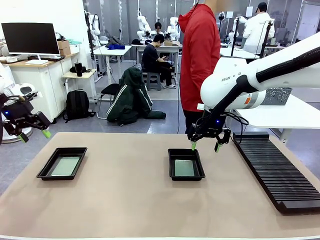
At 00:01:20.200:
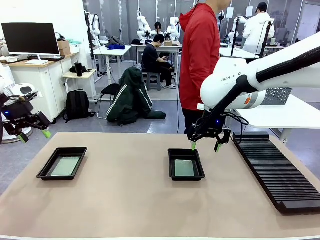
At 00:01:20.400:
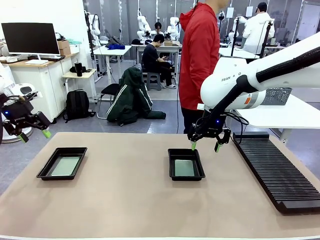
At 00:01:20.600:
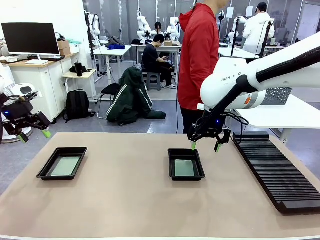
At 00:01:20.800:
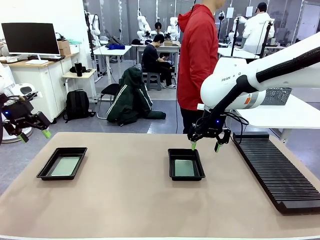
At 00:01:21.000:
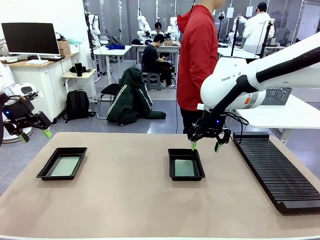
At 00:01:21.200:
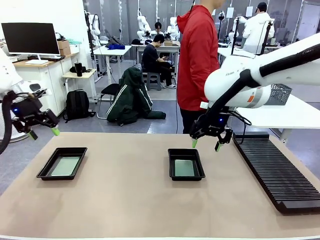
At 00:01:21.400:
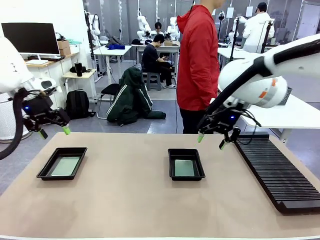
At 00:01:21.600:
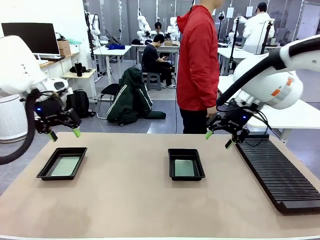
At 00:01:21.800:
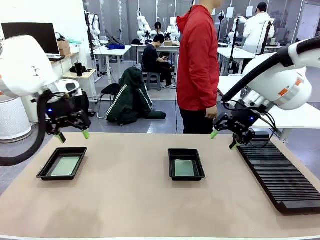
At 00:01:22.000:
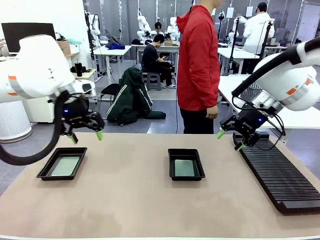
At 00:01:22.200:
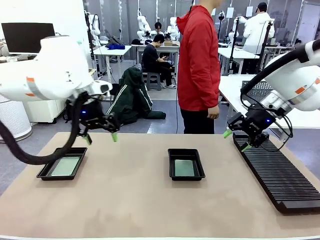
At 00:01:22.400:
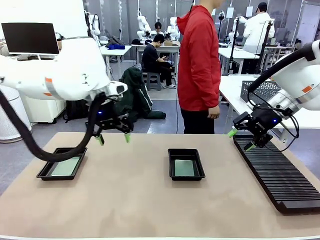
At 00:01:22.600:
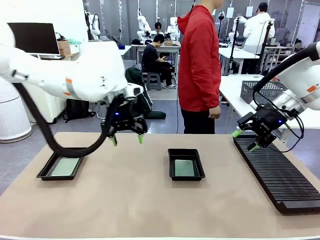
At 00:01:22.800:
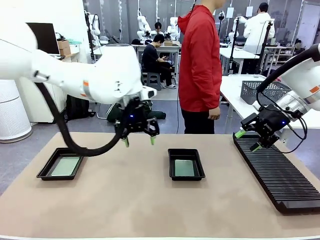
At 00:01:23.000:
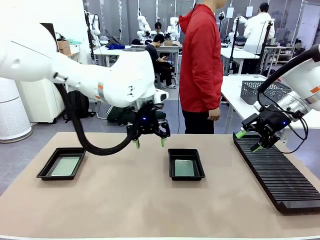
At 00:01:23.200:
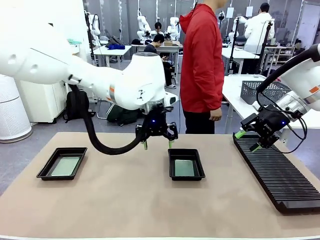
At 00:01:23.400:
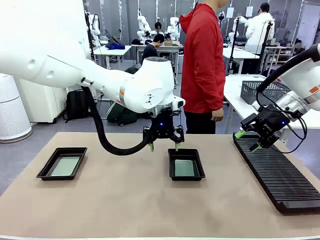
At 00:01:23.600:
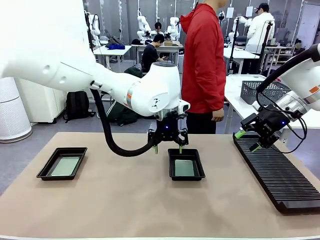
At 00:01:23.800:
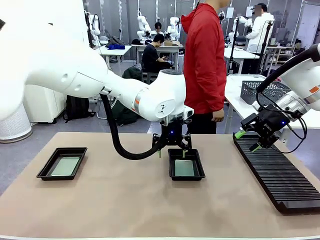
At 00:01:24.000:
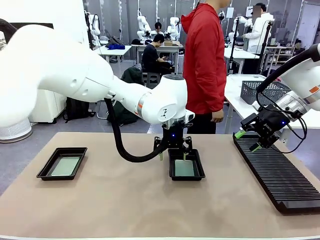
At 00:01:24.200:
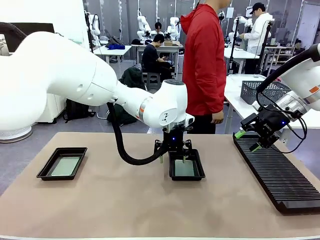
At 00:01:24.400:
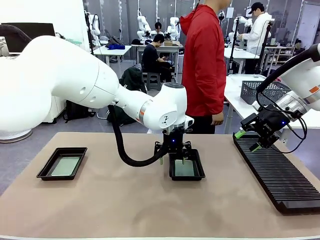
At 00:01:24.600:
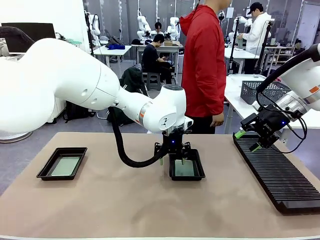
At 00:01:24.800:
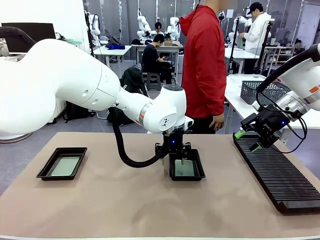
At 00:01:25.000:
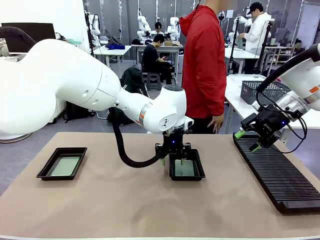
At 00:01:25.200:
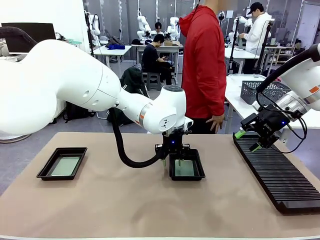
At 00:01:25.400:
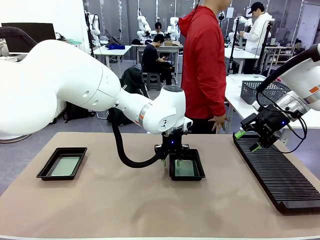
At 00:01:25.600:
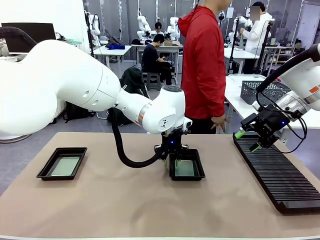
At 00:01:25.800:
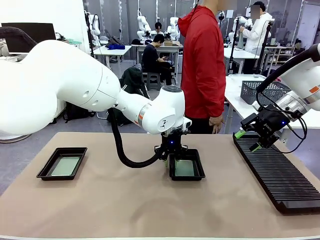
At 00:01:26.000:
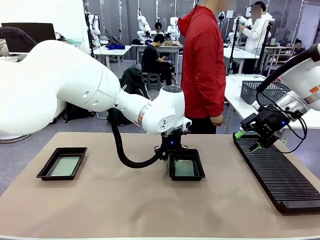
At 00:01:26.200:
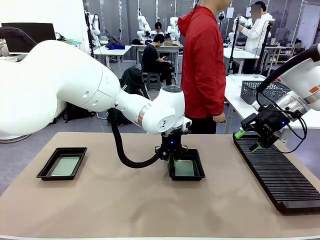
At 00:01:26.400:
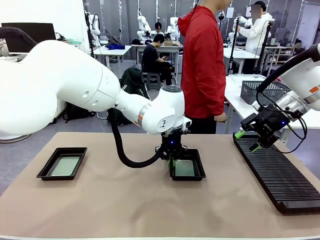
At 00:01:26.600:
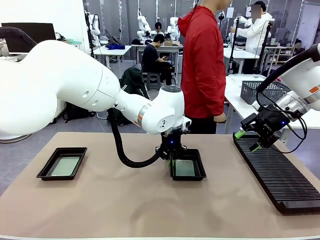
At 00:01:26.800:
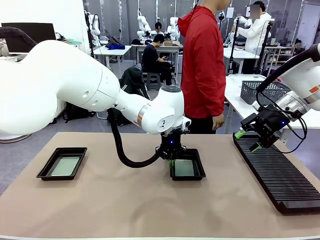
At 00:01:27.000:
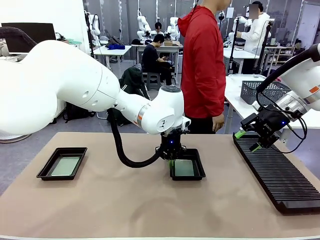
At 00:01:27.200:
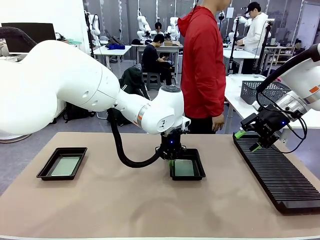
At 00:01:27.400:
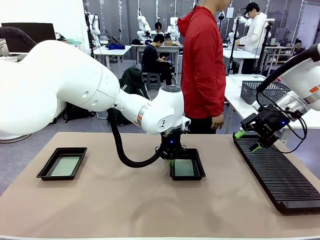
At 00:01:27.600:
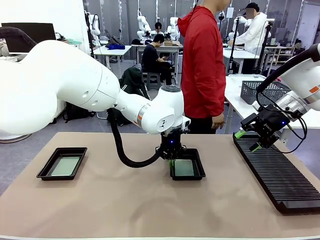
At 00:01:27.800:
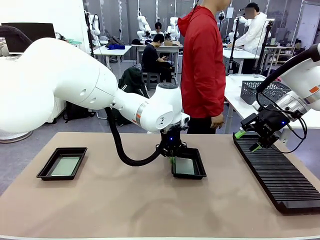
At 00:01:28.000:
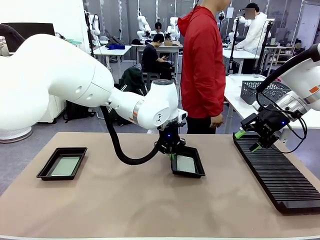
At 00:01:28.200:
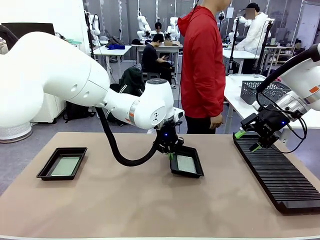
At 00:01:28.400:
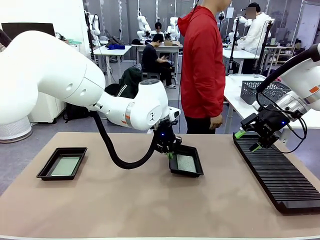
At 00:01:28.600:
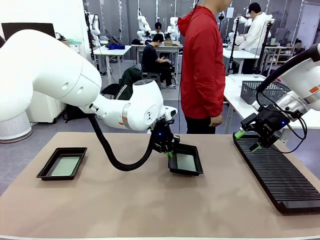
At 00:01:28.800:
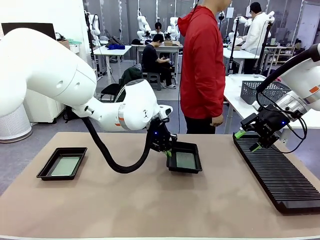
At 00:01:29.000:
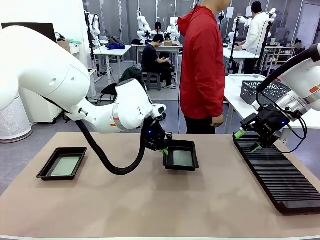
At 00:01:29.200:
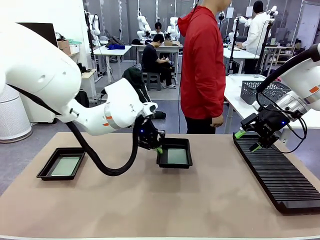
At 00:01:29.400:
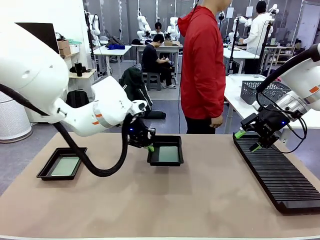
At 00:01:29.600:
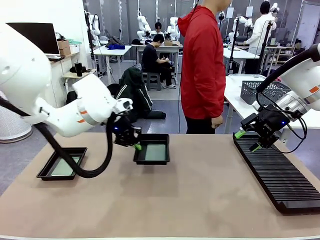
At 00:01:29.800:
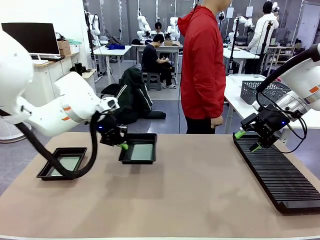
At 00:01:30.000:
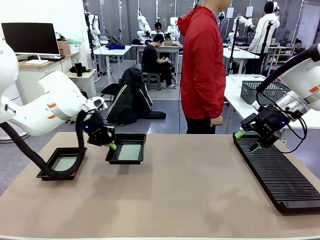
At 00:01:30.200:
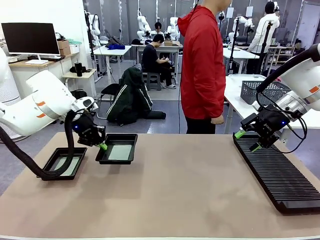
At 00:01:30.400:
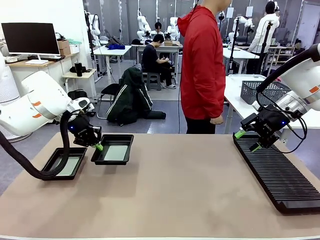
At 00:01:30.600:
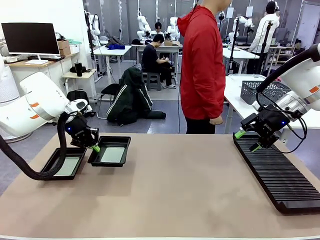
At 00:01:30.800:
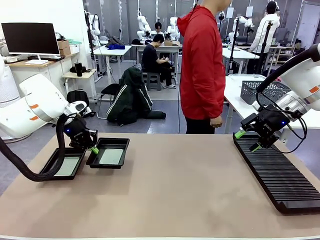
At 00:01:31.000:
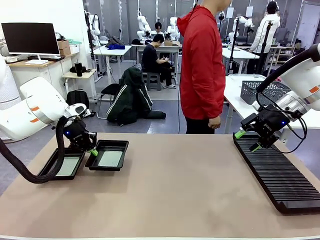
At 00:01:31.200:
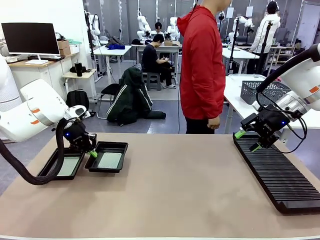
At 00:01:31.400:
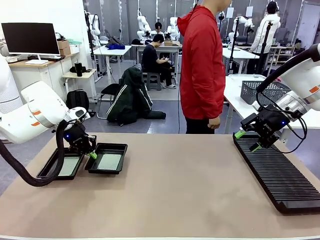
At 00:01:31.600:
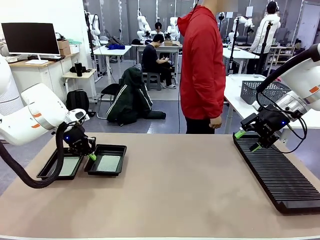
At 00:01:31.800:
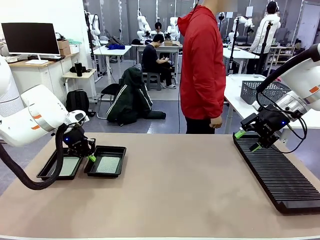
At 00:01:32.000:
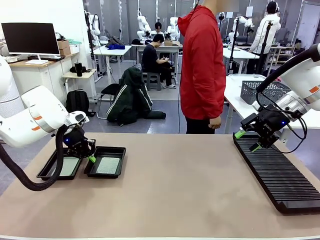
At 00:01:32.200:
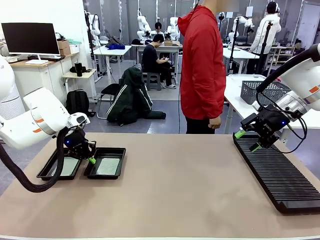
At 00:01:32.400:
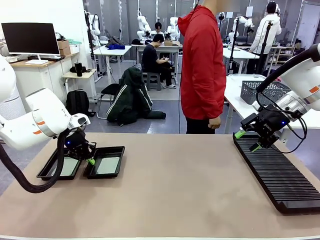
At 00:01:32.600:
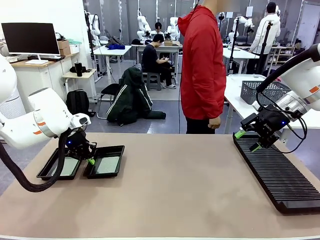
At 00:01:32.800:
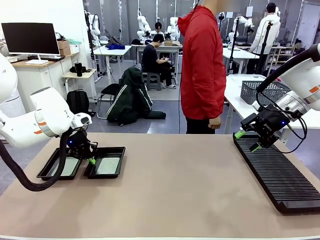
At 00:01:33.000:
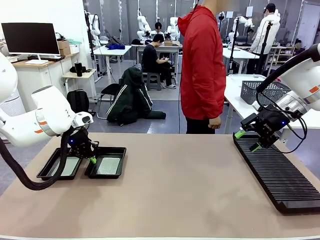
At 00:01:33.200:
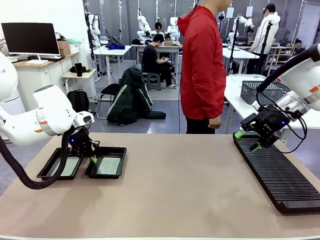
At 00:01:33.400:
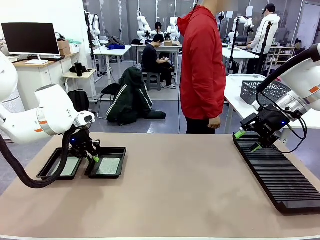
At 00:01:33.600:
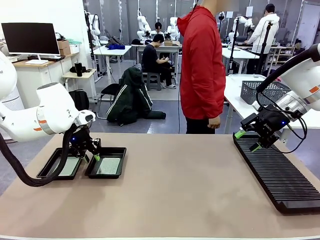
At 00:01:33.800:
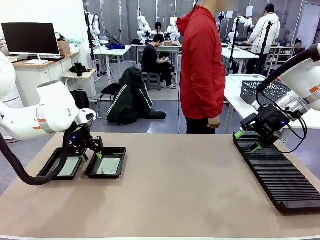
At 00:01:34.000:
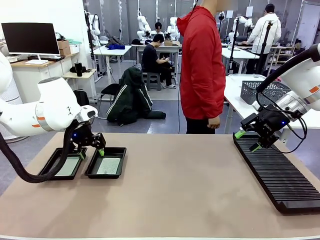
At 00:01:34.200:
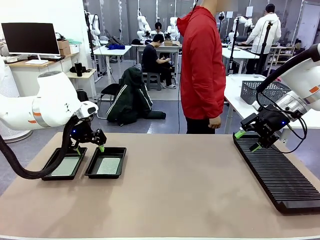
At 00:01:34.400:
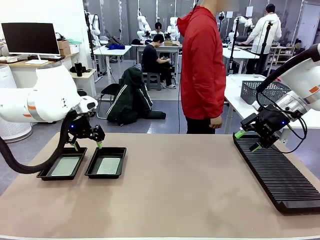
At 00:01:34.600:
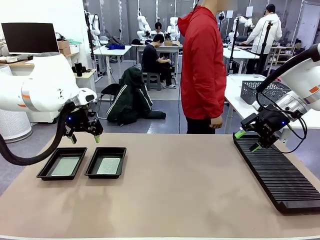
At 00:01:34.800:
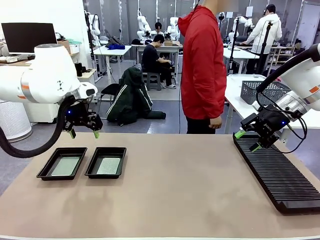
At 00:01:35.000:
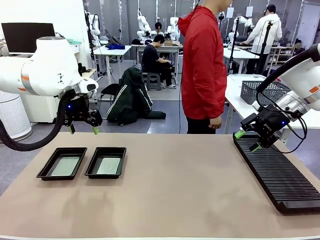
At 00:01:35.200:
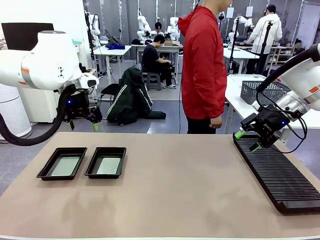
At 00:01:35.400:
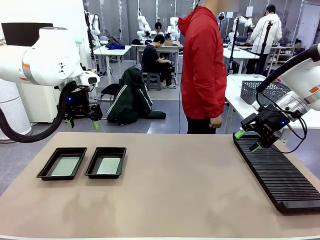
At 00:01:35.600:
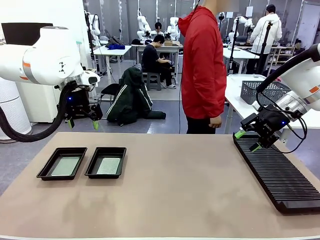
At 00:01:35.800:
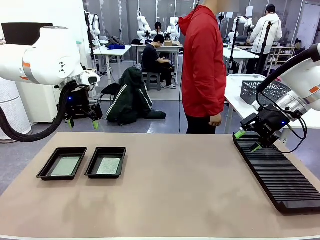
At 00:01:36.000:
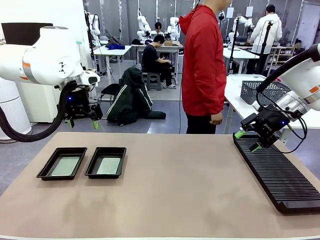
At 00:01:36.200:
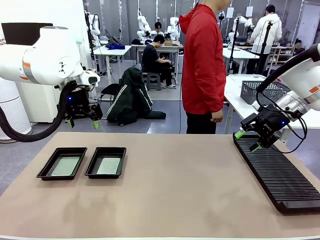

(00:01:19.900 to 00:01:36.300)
Task: Inspect and transfer BCBs to ESD trays.
Robot: Pick up the ESD tray and place it on the left side of the table.
